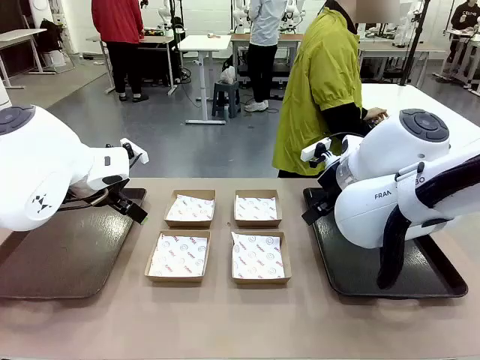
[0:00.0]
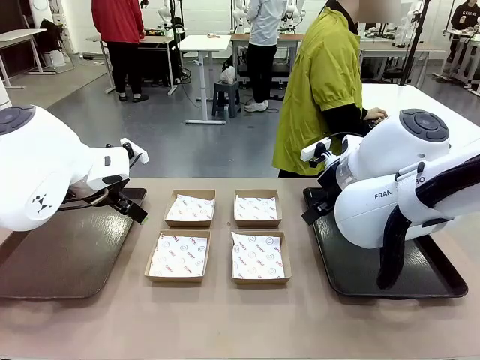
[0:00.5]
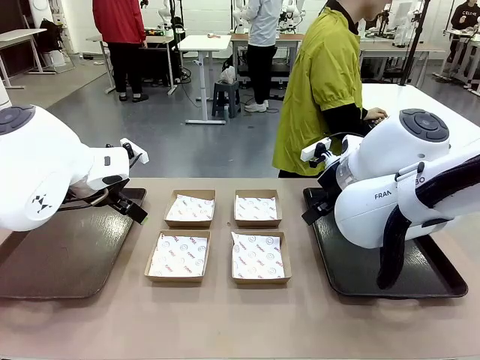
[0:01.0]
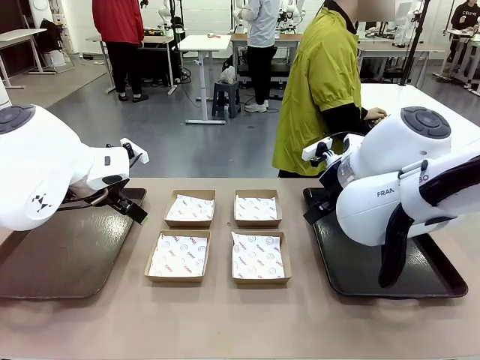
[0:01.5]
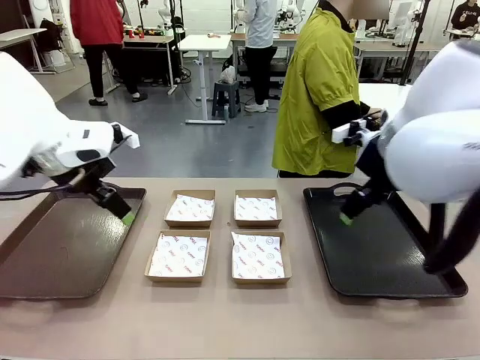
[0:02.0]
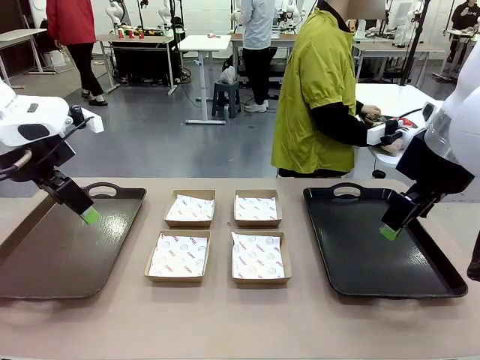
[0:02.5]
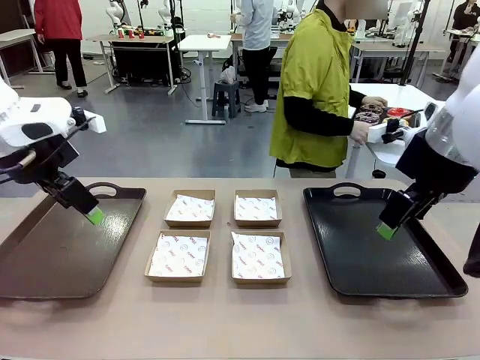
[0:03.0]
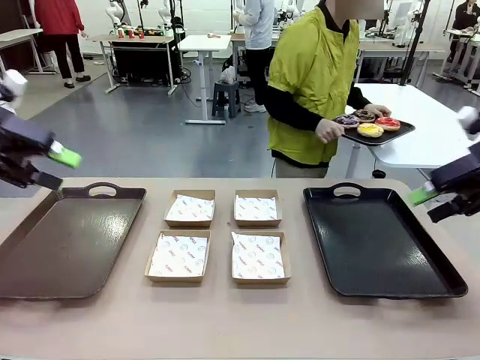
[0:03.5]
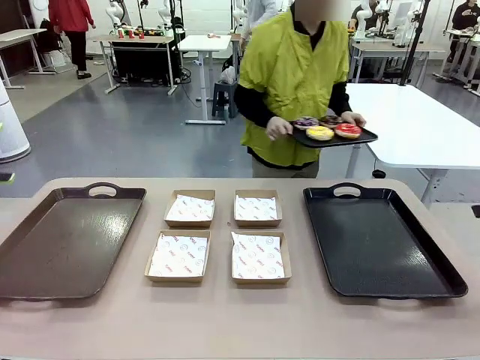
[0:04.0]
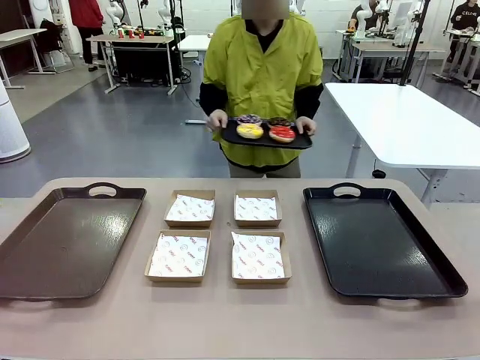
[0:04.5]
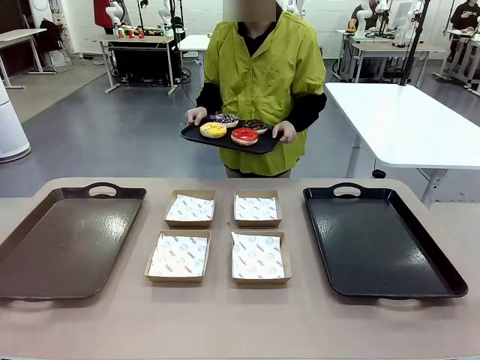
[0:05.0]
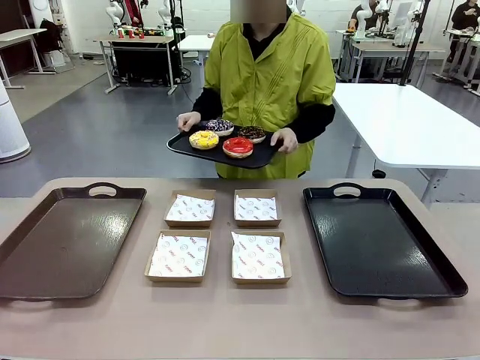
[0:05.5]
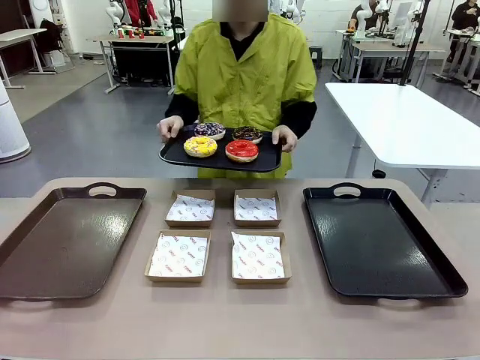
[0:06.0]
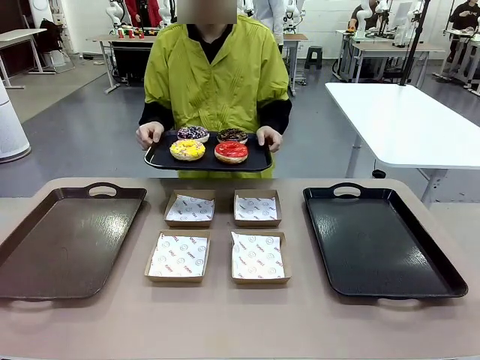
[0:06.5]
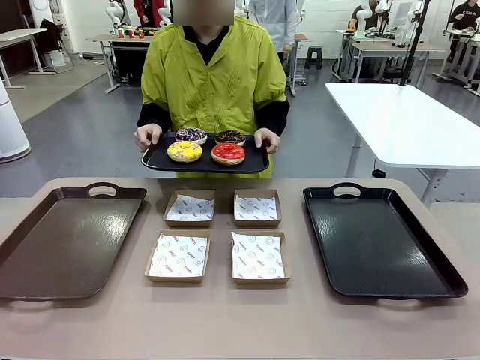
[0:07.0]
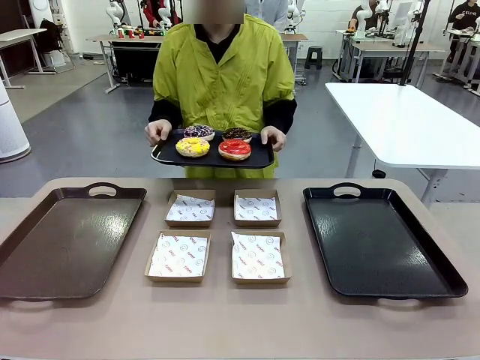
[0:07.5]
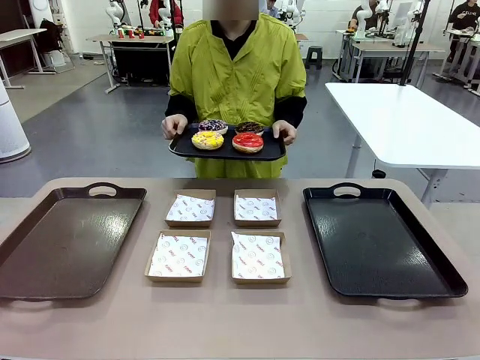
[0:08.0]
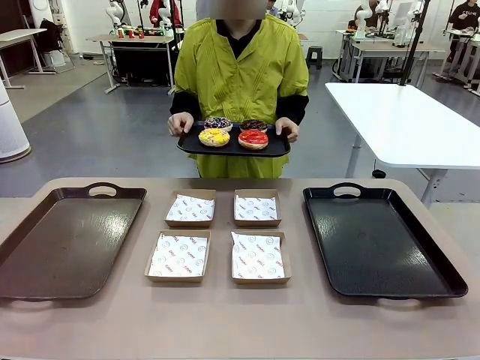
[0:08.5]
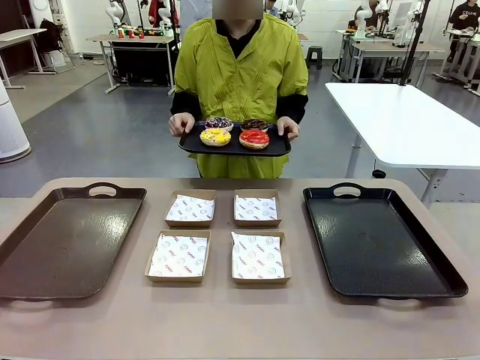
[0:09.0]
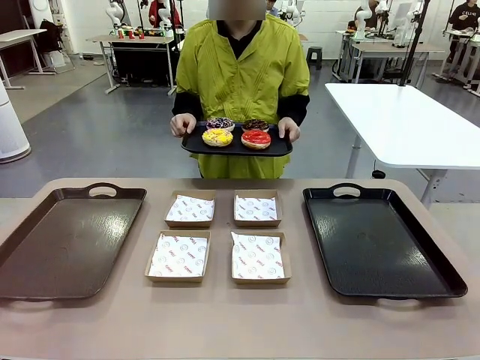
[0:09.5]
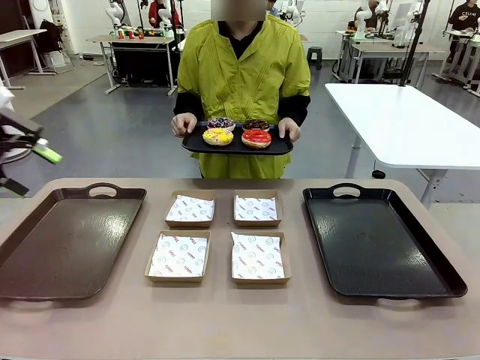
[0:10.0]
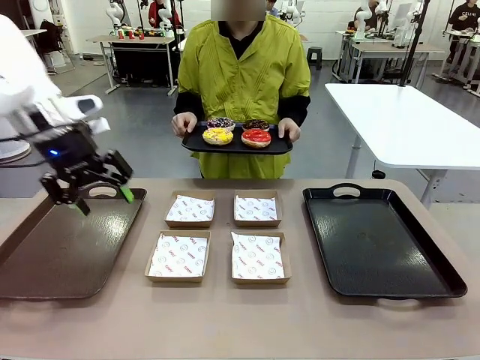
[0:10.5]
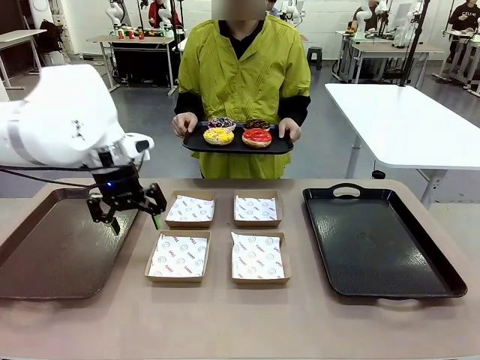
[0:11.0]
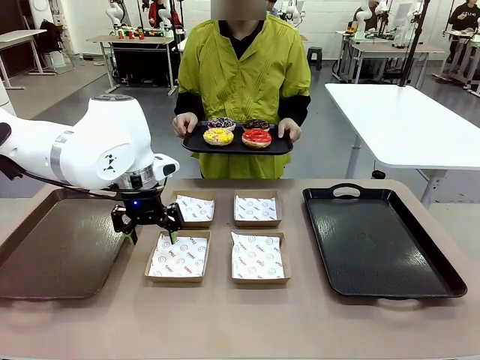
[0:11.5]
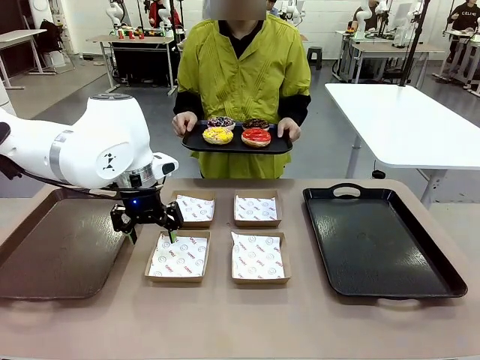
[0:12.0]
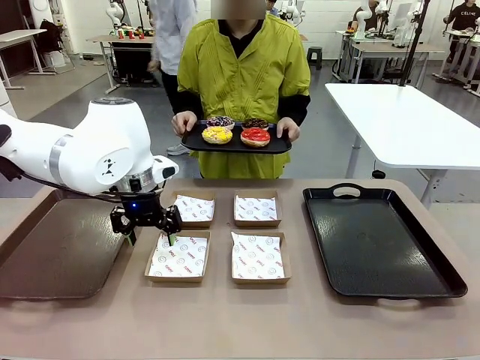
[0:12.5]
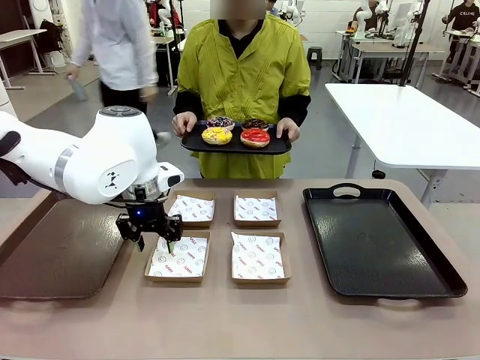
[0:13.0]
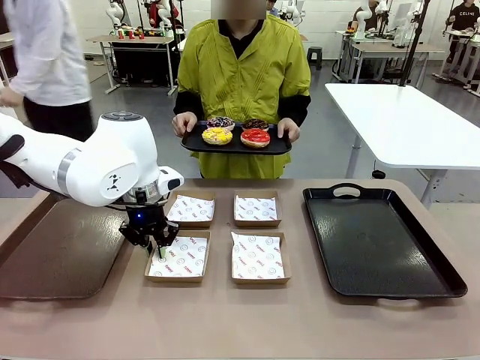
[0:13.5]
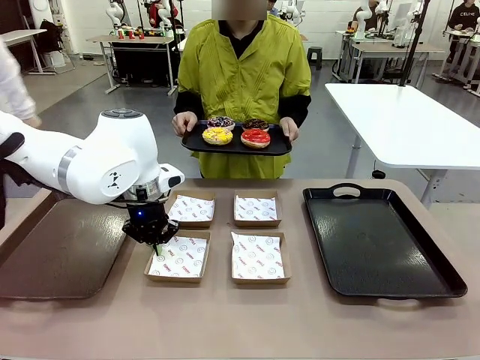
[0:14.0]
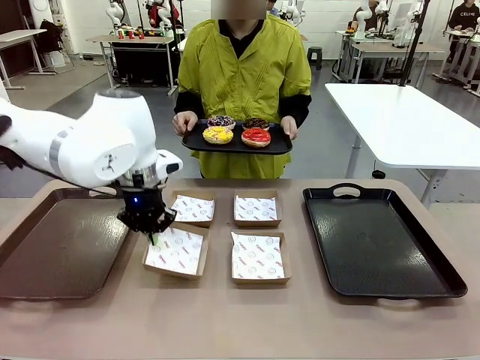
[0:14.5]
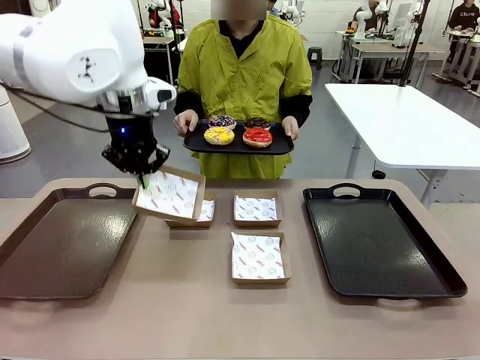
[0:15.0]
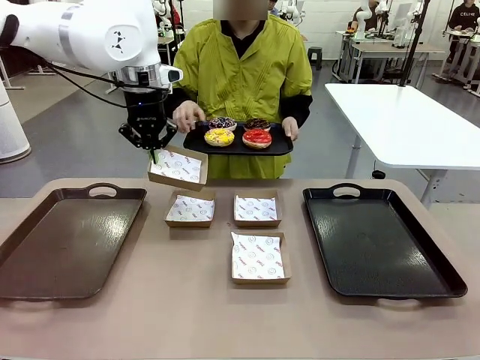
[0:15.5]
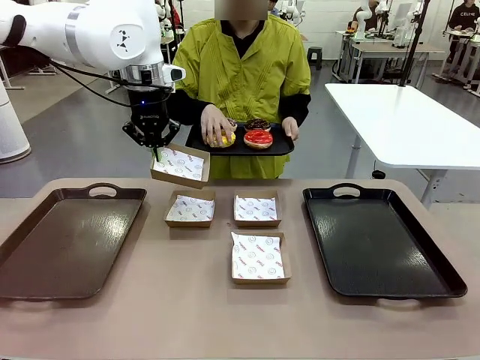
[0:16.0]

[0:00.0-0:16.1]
Task: Individually package the donuts and arrange them on the tray.
Robot: Pick up one Paper togo box.
Person: Stand in front of the robot table holding the tray containing the donuts.

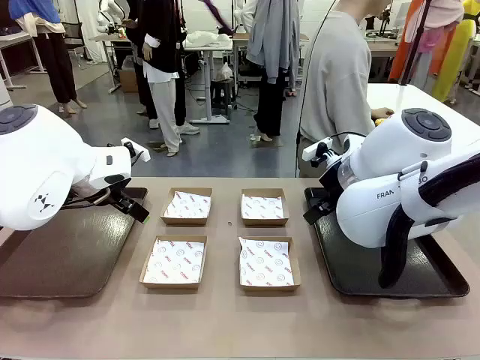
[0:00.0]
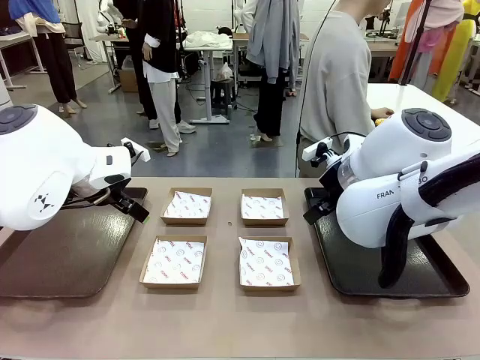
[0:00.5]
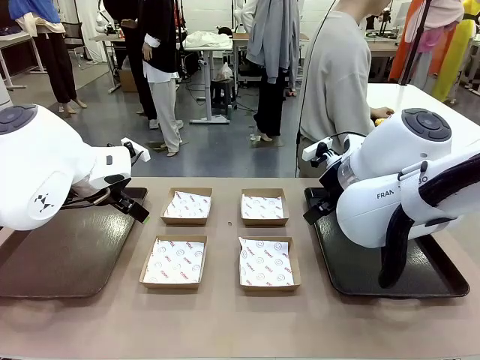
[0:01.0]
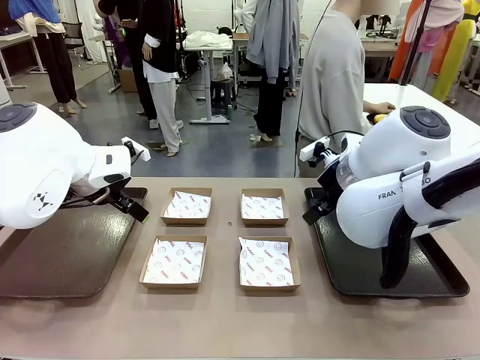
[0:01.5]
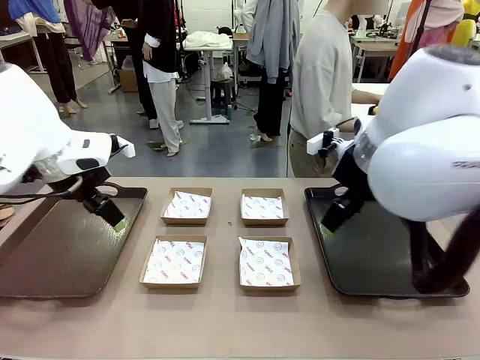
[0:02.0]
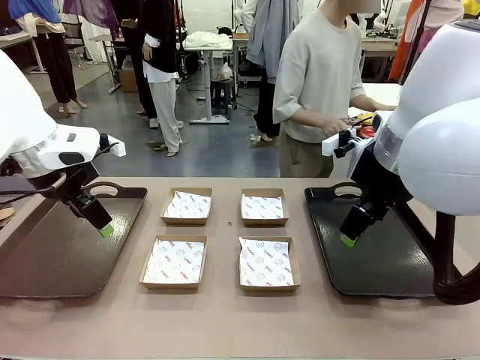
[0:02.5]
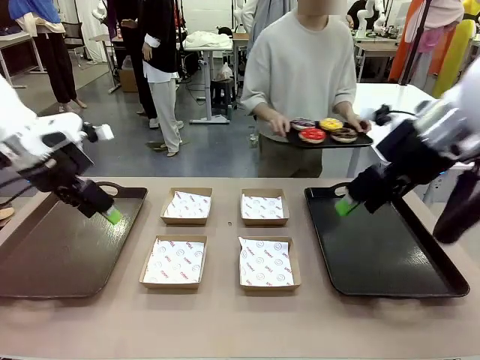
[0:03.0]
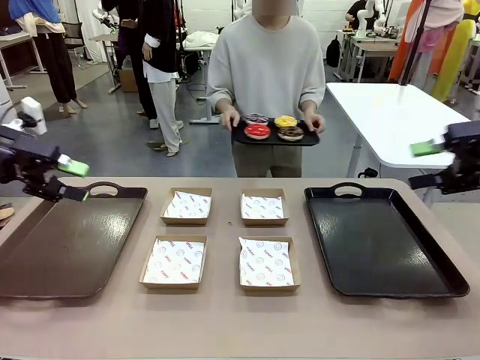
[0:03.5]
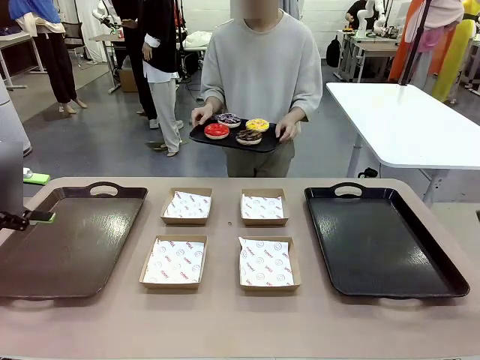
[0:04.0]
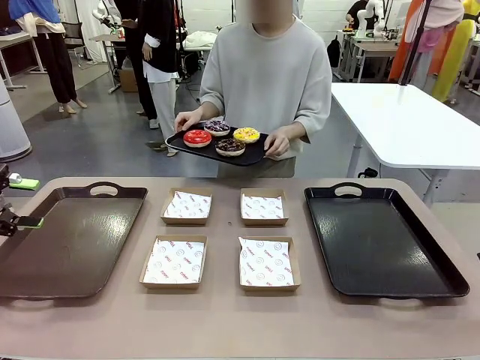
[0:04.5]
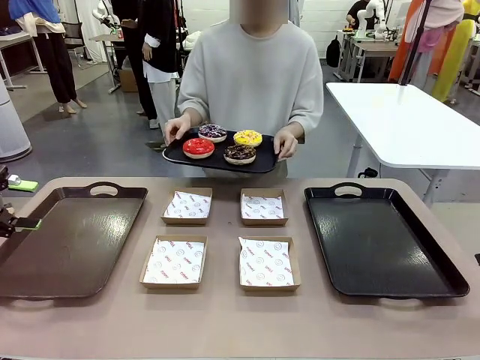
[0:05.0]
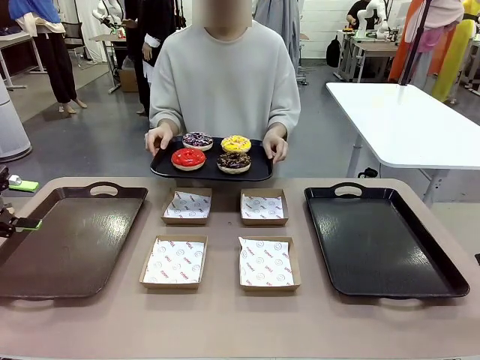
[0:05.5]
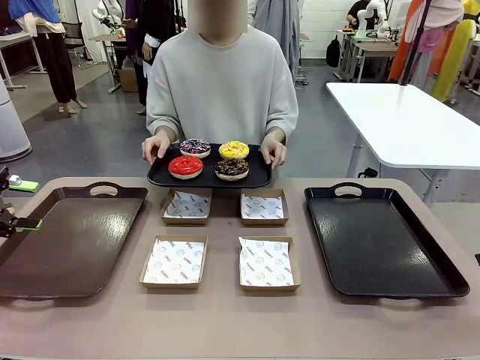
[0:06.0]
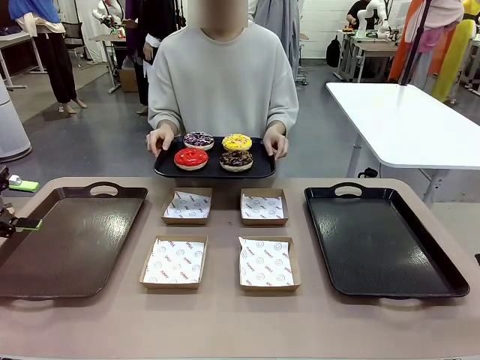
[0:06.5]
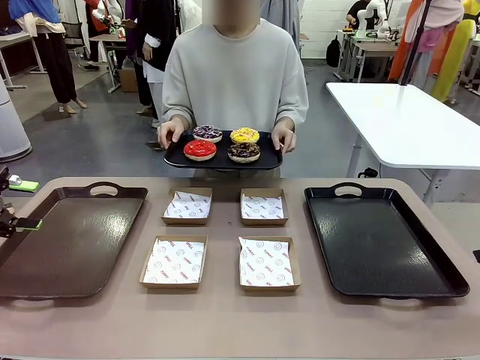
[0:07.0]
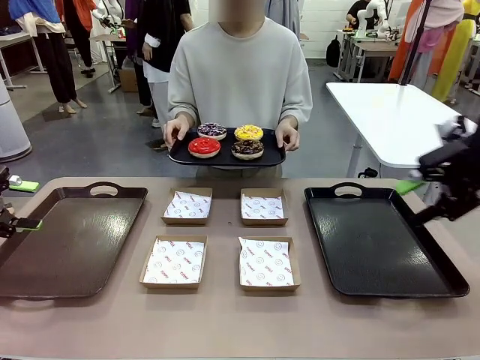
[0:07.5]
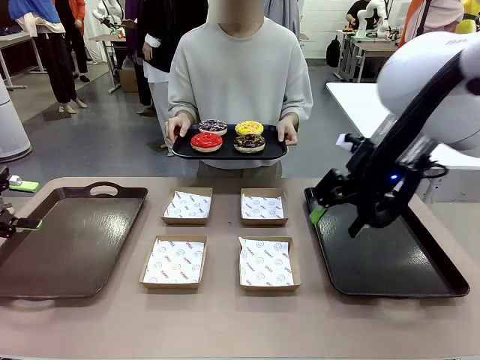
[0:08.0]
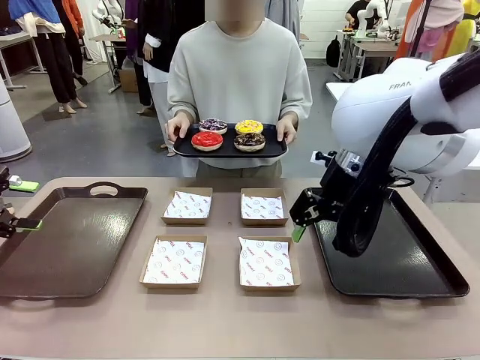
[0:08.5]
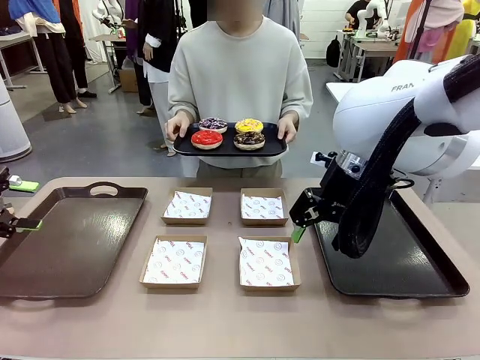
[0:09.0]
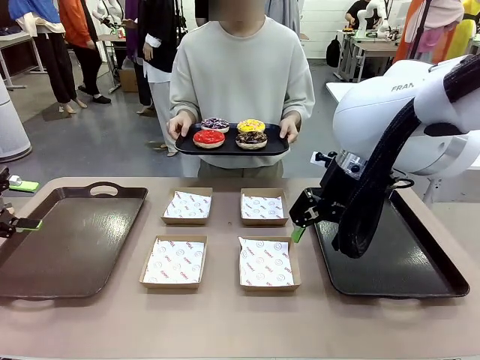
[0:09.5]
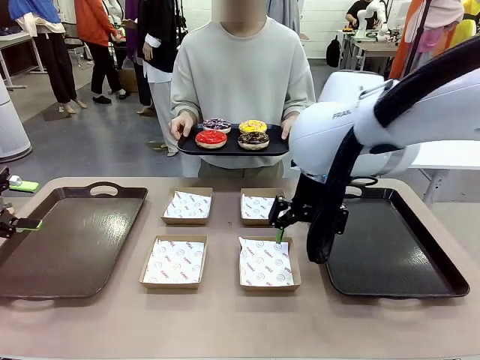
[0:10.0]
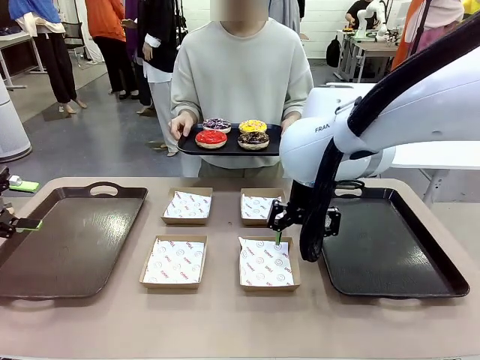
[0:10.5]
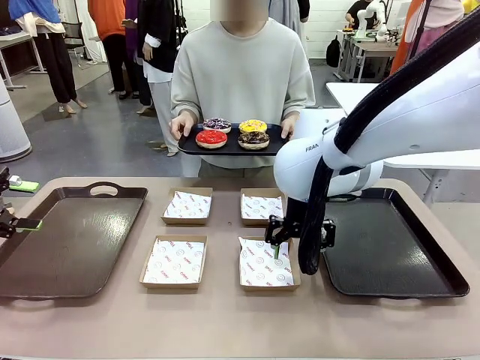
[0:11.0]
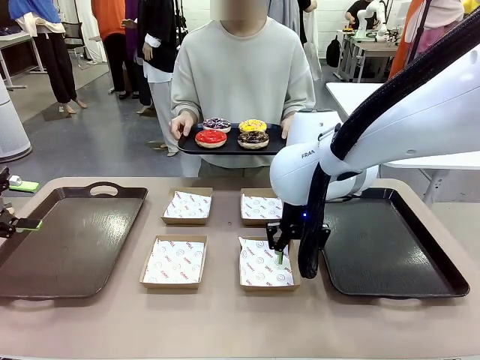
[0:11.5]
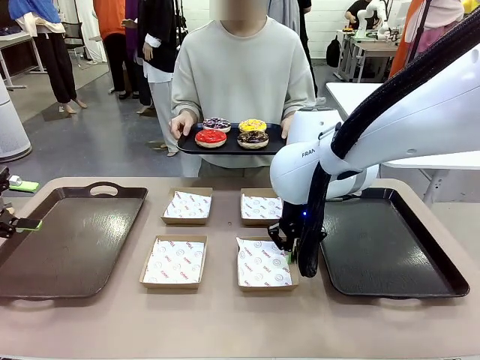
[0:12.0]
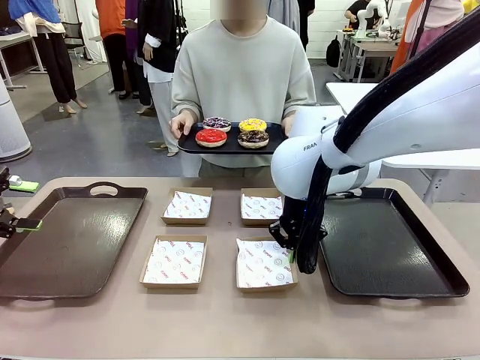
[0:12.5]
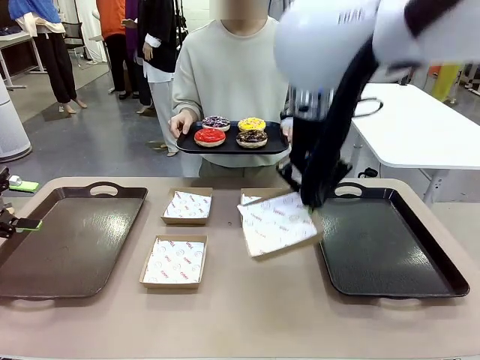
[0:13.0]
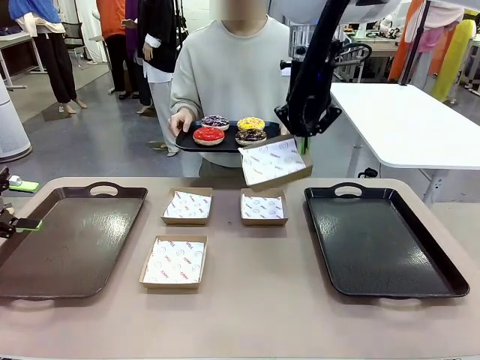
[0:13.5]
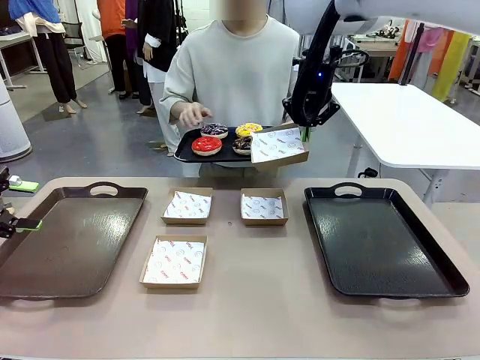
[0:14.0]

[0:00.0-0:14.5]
Task: Individually package the donuts and arrange them on the tray.
Robot: Pick up one Paper togo box.
Person: Stand in front of the robot table holding the tray containing the donuts.
